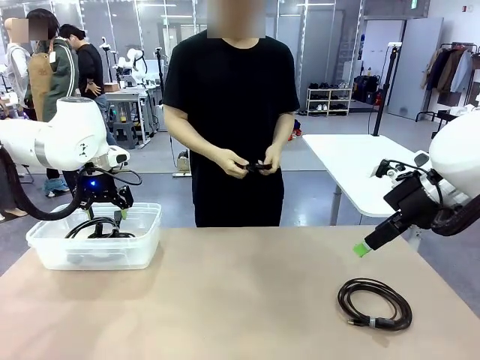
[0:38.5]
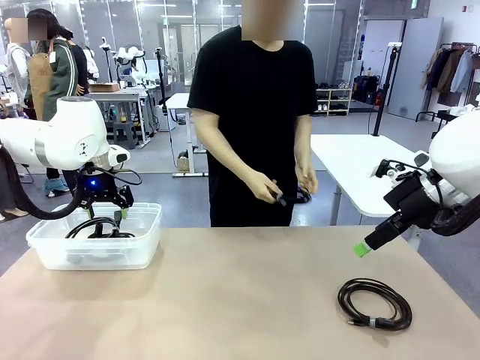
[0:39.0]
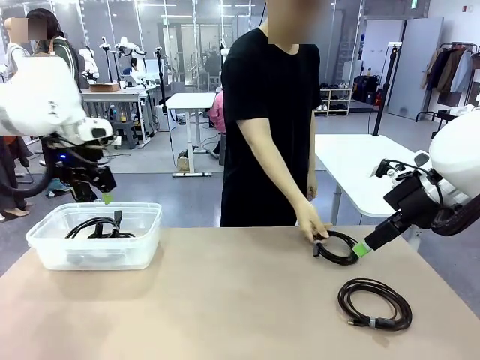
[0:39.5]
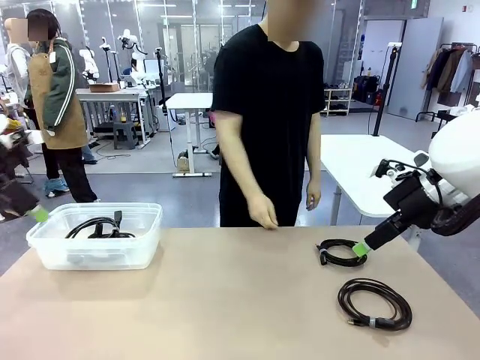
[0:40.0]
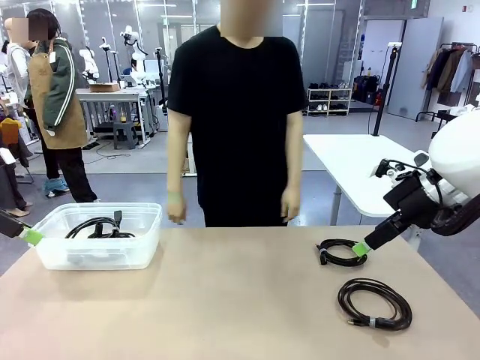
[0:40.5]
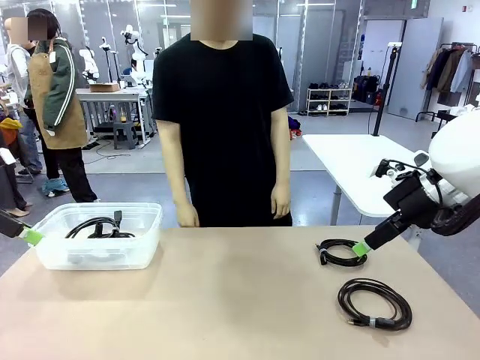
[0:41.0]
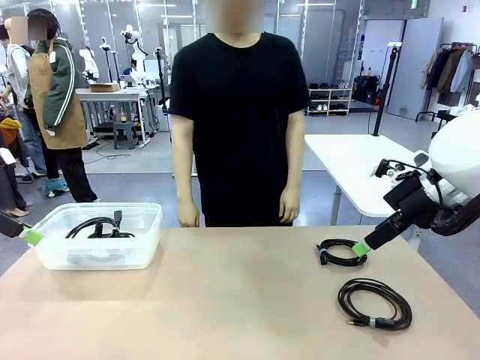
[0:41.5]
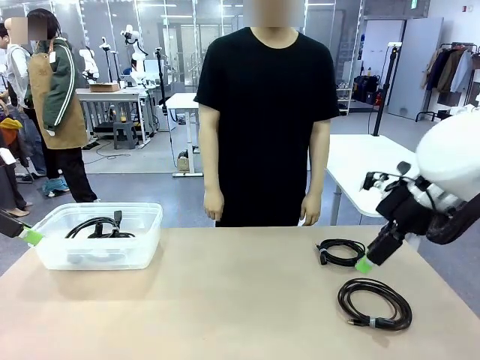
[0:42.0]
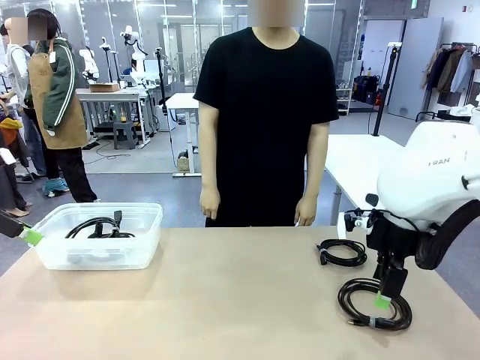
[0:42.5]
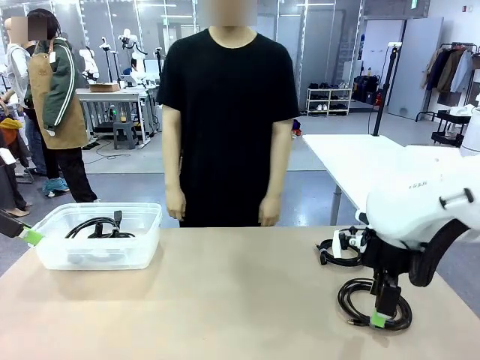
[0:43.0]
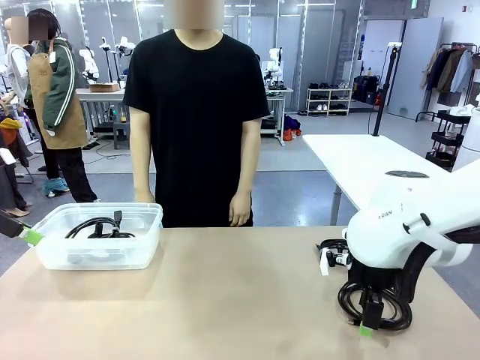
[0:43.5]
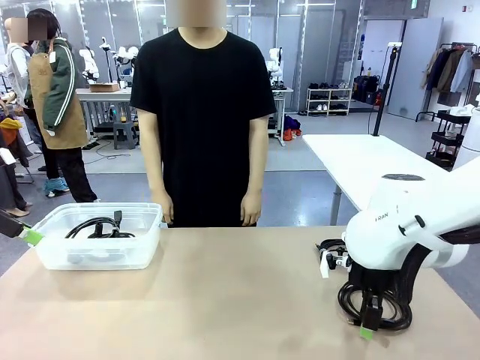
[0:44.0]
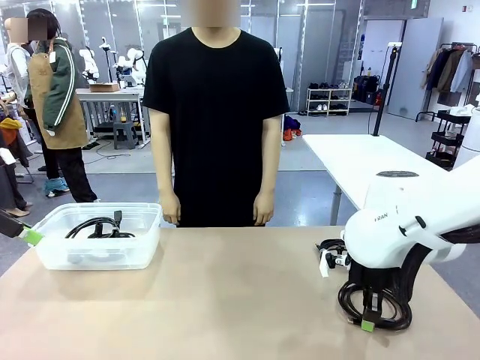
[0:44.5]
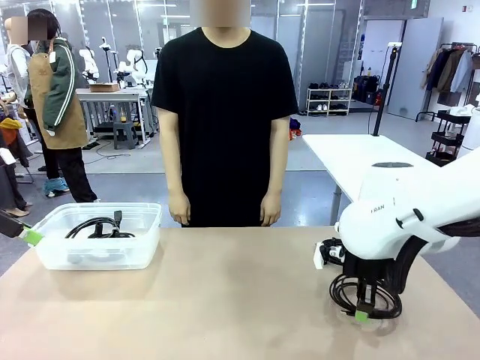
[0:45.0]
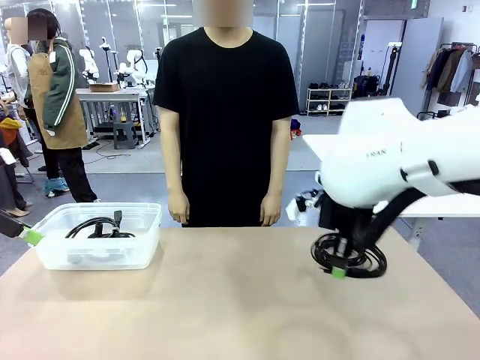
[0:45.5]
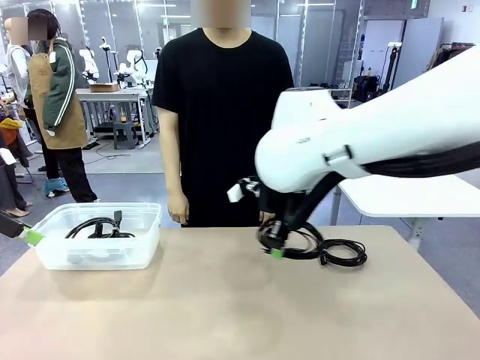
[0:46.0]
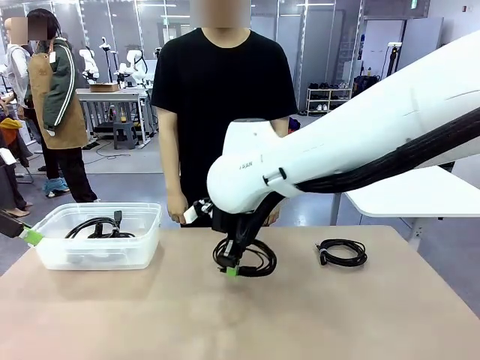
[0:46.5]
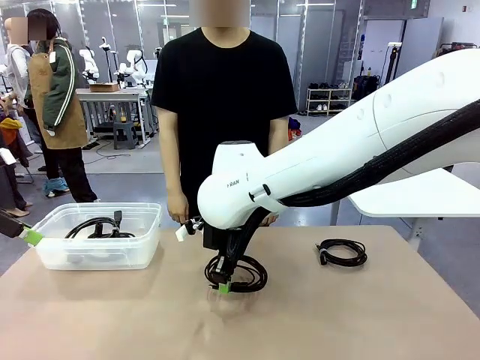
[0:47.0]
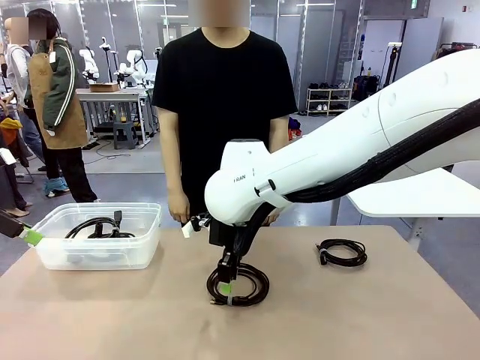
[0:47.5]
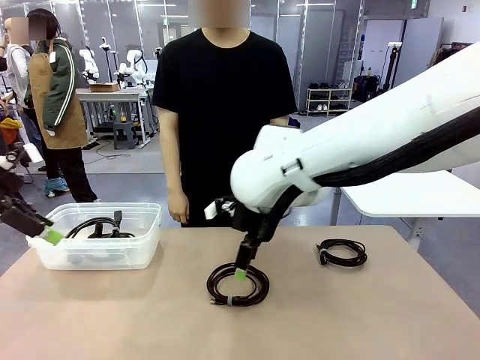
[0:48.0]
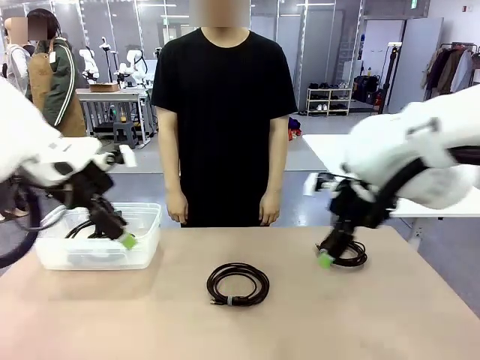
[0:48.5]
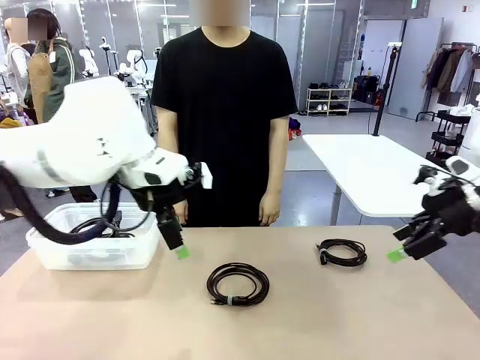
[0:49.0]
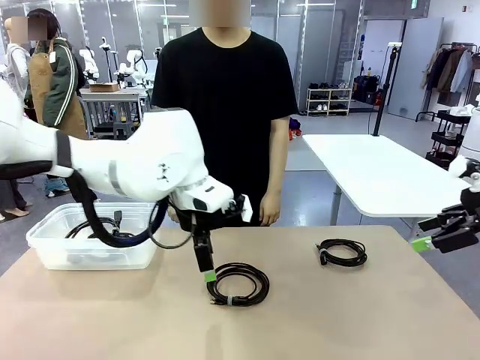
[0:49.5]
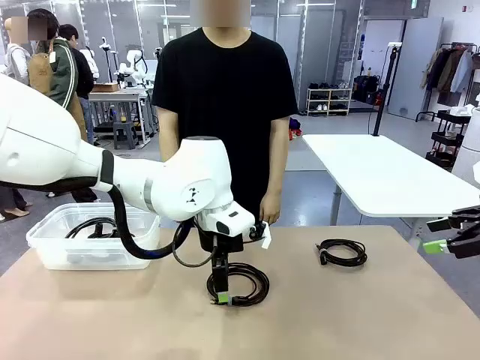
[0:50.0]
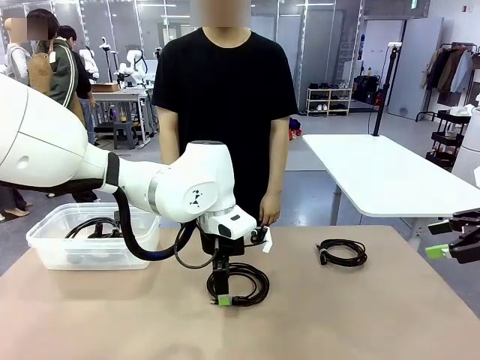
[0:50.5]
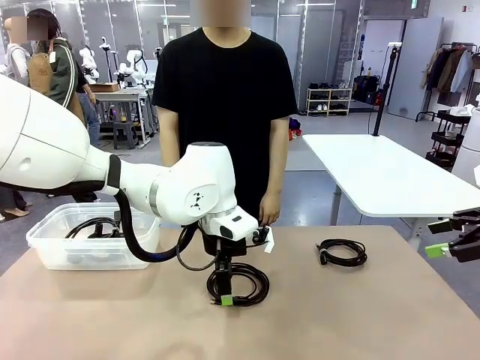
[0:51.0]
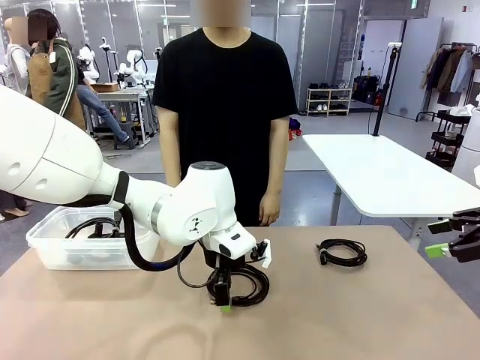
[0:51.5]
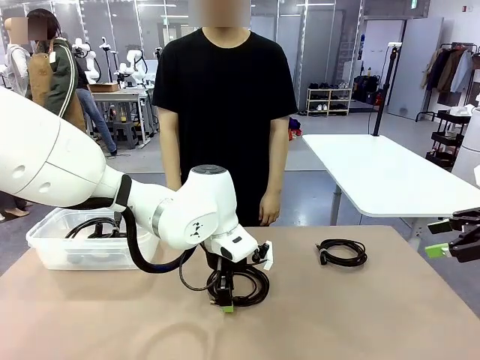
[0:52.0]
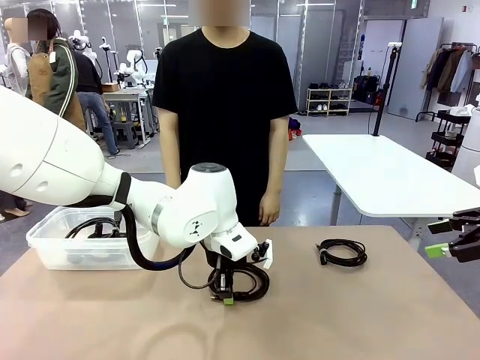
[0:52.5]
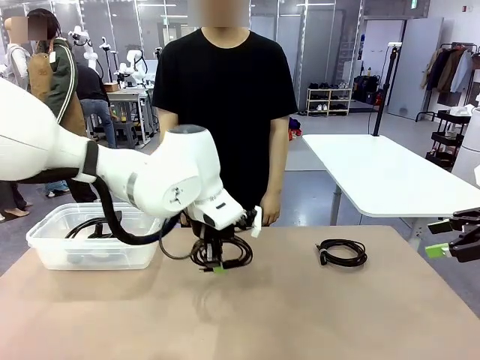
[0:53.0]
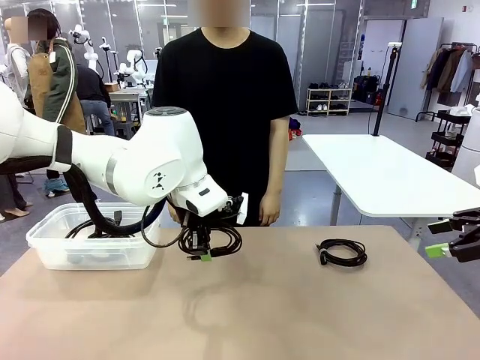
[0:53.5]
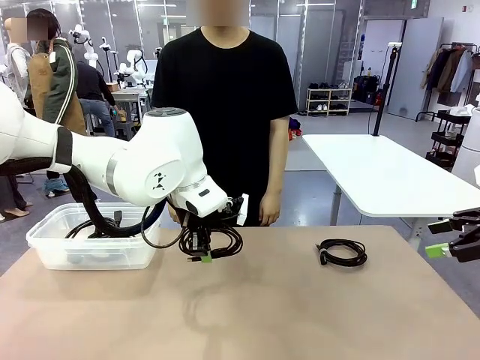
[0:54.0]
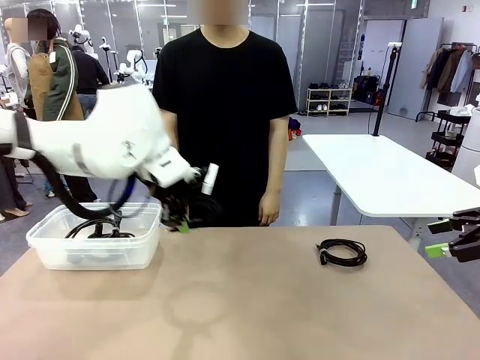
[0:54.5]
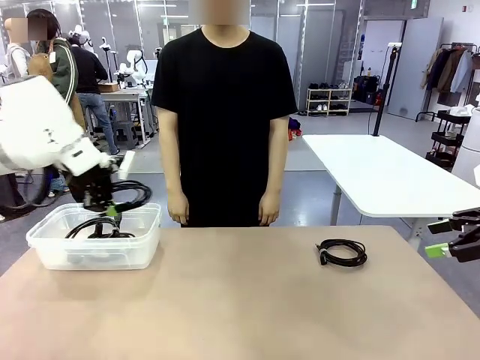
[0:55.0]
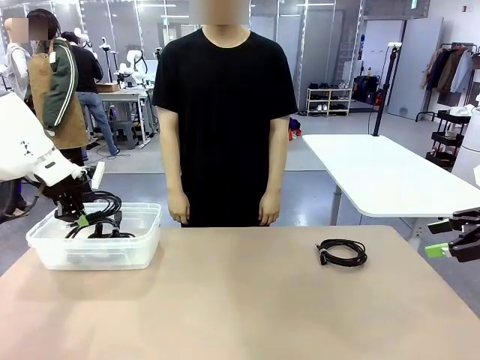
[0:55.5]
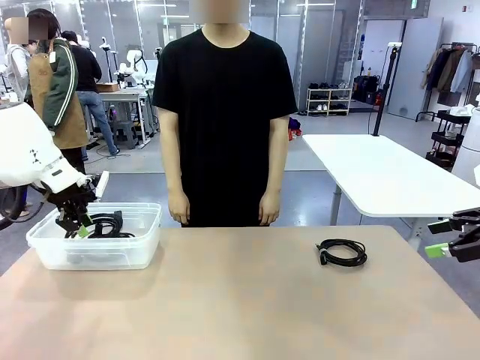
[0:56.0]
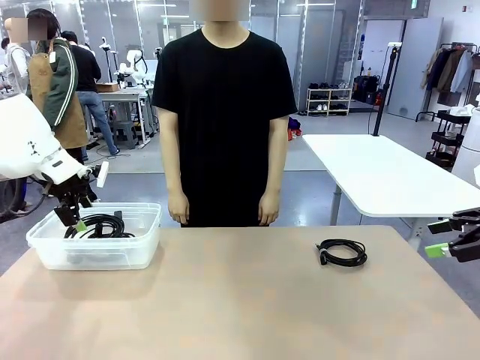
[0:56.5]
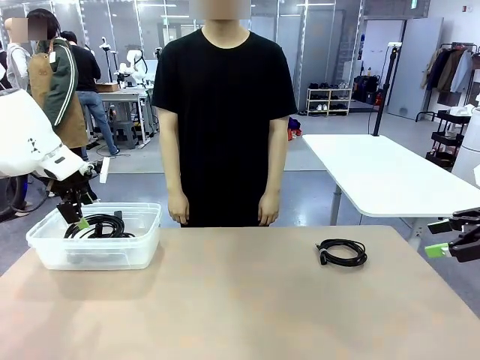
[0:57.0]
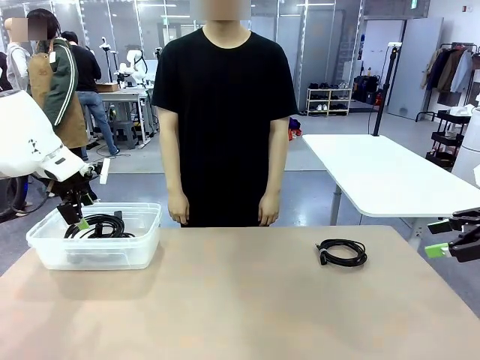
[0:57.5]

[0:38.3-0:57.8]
Task: Organize and store the cables.
Robot: Place the USB Extension Cable into the Organizing box.

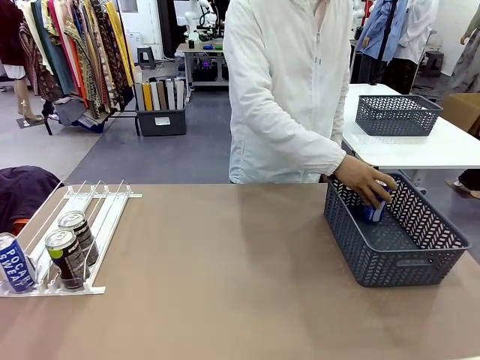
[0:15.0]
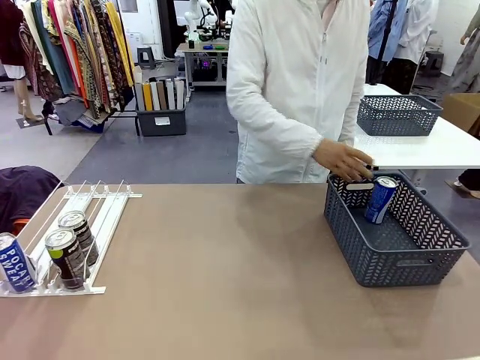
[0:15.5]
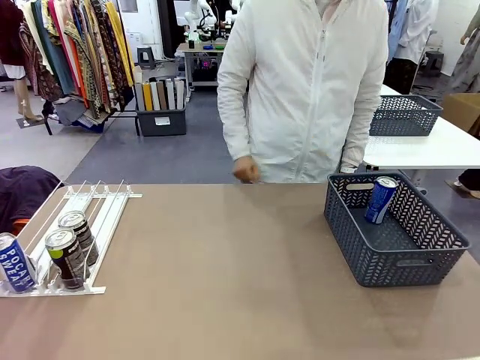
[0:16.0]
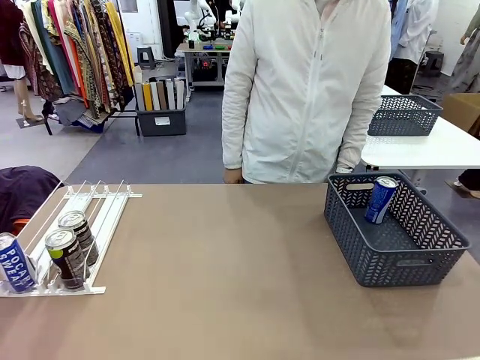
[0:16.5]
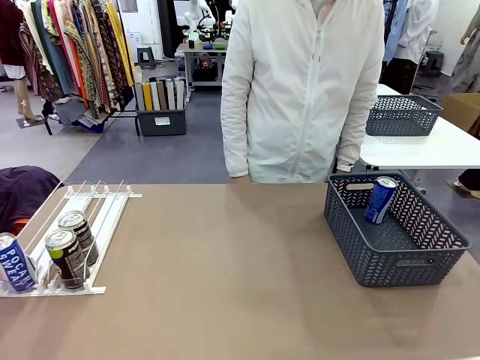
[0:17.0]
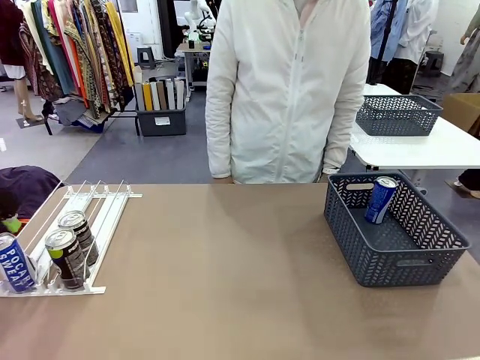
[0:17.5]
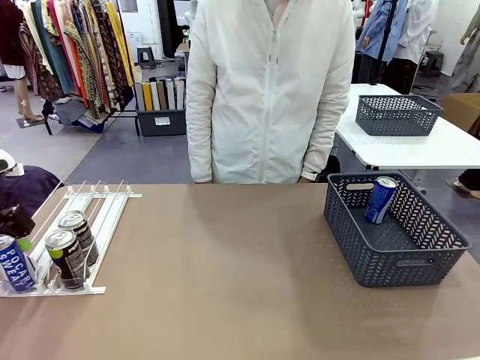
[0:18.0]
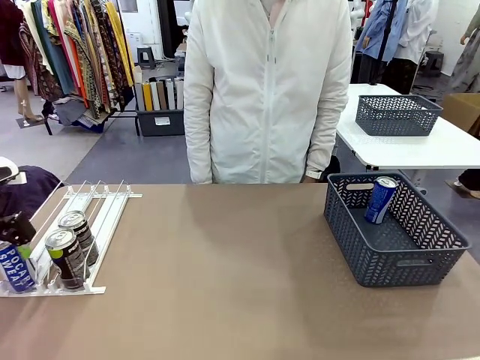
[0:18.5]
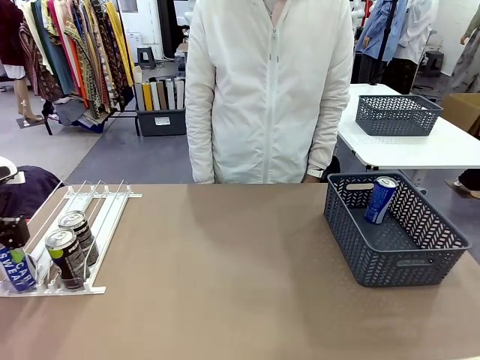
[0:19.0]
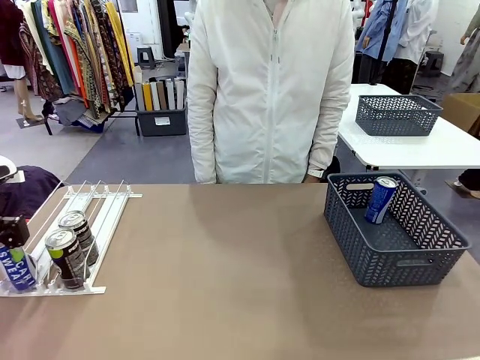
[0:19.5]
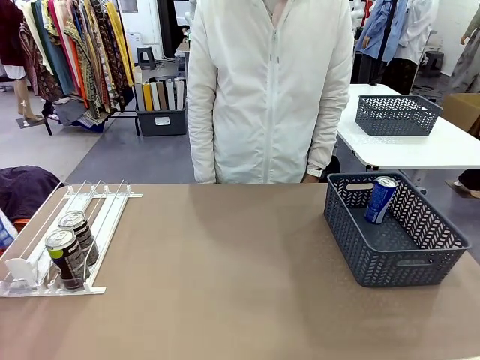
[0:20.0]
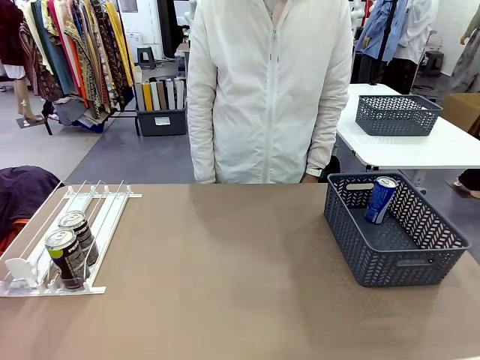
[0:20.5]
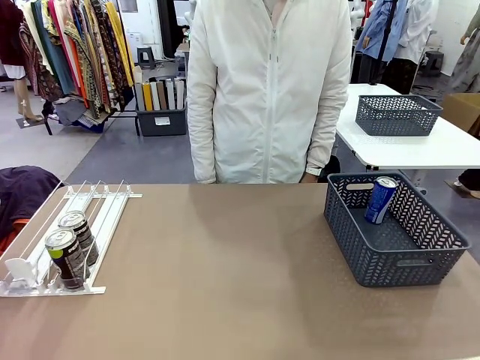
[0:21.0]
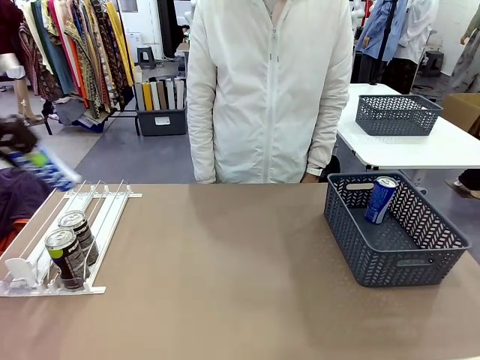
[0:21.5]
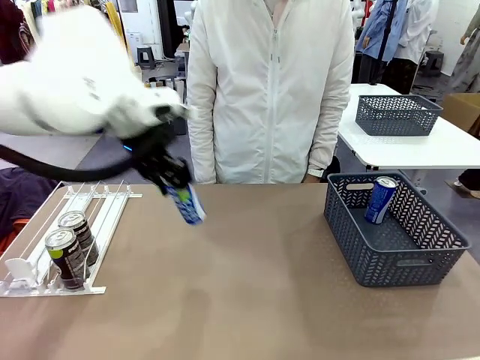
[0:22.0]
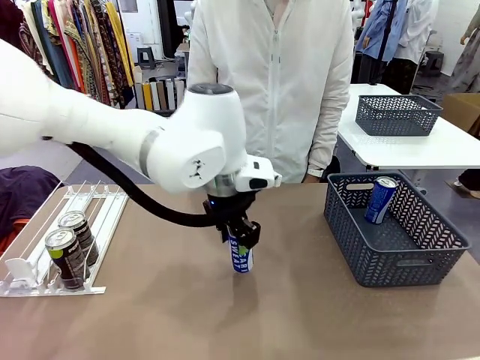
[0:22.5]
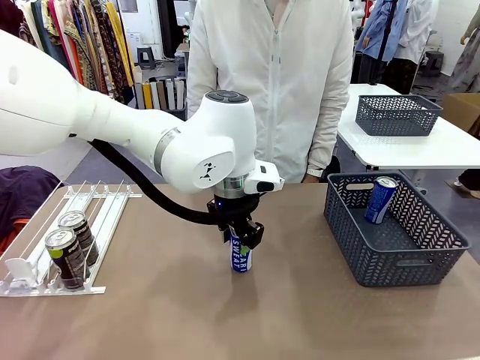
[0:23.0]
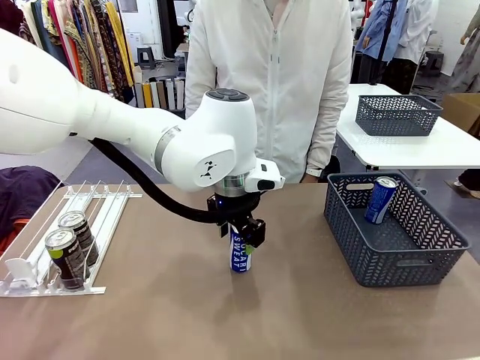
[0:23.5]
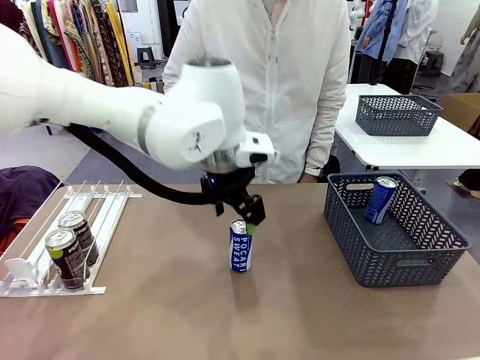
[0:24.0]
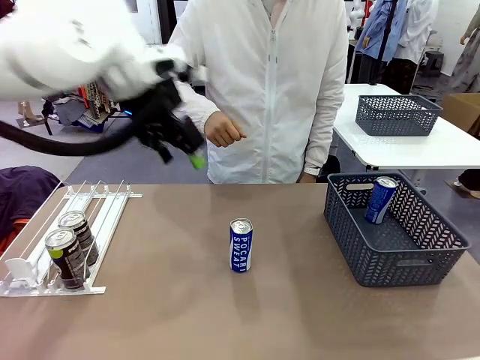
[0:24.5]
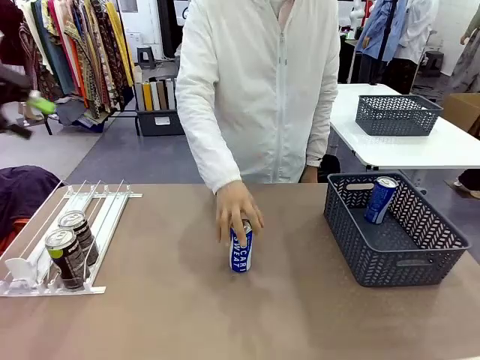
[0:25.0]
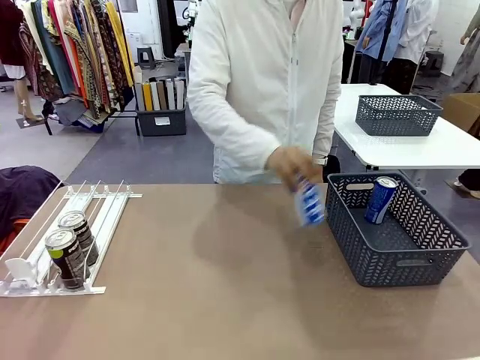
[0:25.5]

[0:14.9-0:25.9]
Task: Retrieve and store the cans from the dispenser.
Robot: Pick up the last remaining can from one row of the Automatic Can Dispenser and place it in the middle of the table.
Person: Pick up one Pepsi can from the middle of the robot table and place it in the basket.
